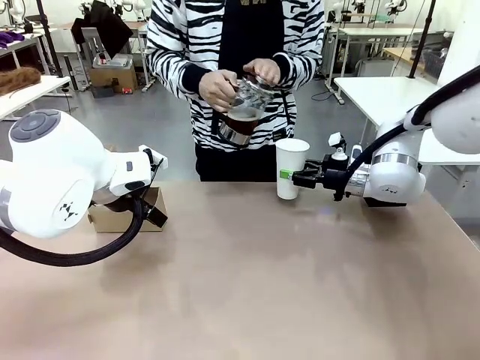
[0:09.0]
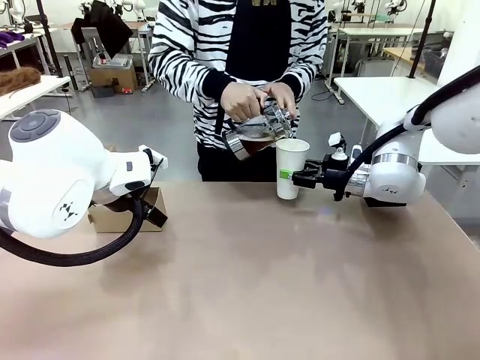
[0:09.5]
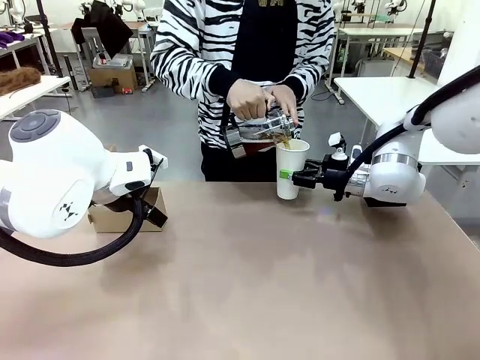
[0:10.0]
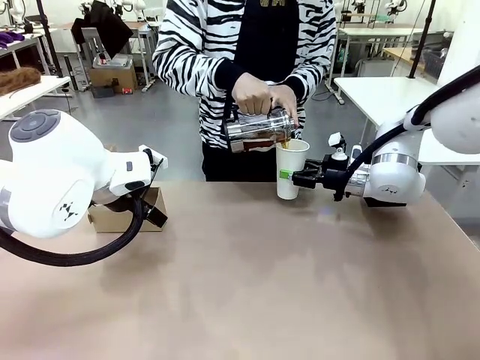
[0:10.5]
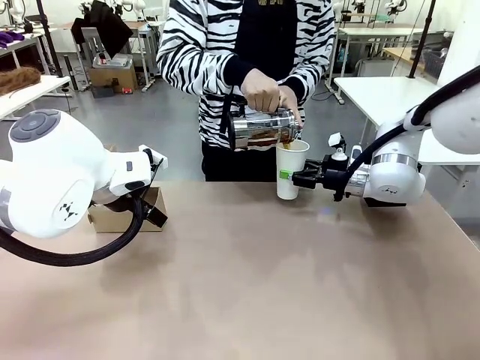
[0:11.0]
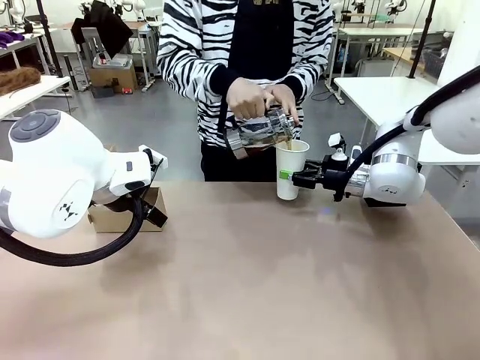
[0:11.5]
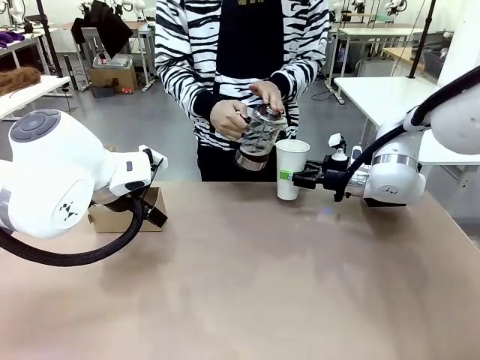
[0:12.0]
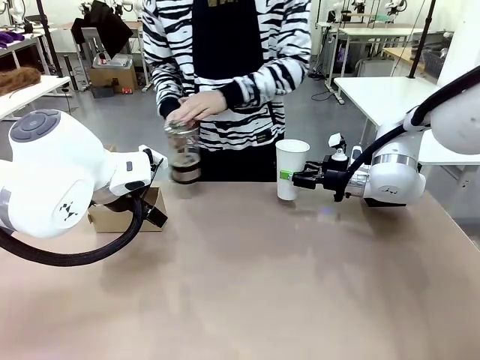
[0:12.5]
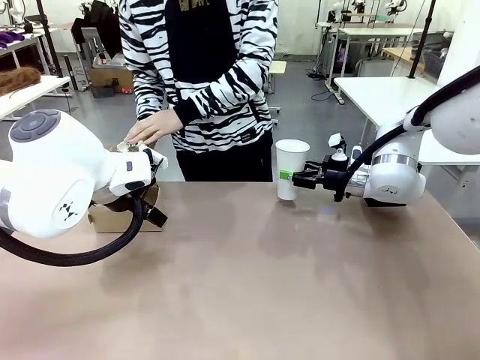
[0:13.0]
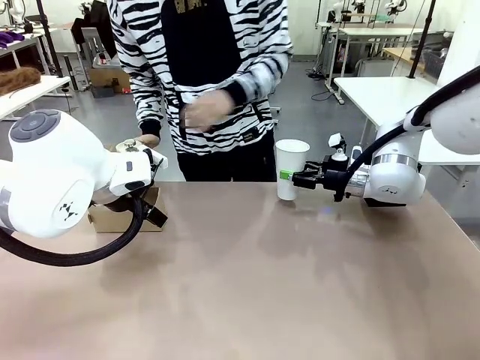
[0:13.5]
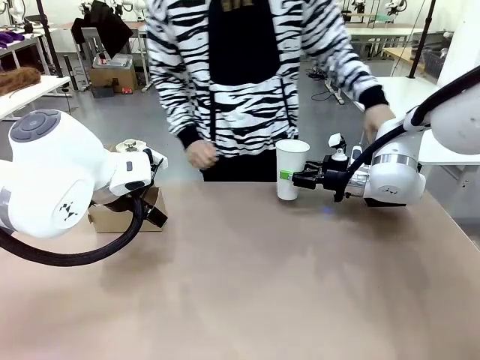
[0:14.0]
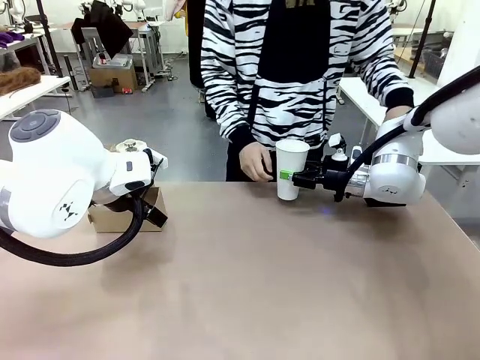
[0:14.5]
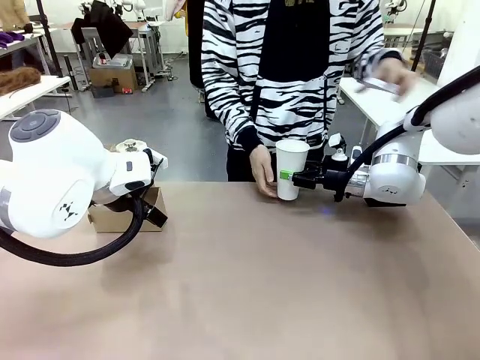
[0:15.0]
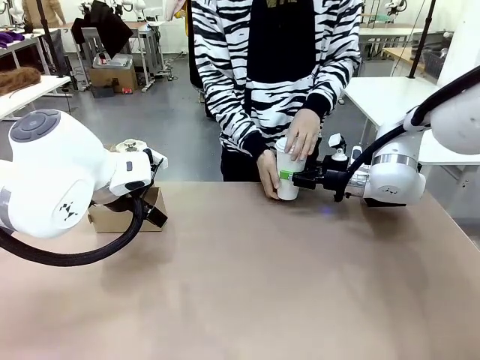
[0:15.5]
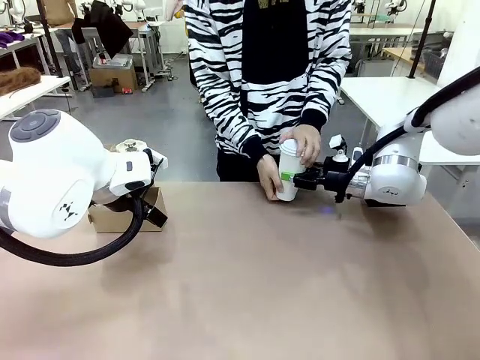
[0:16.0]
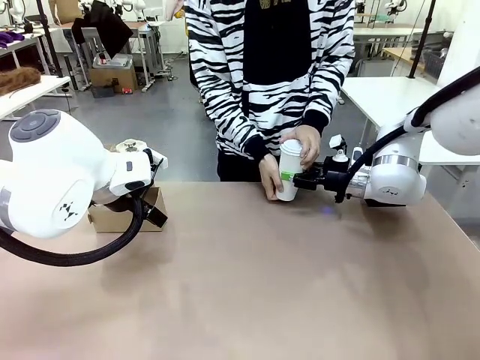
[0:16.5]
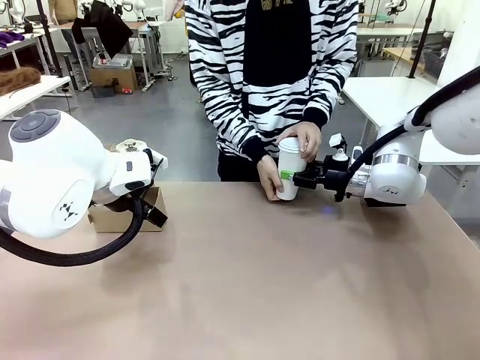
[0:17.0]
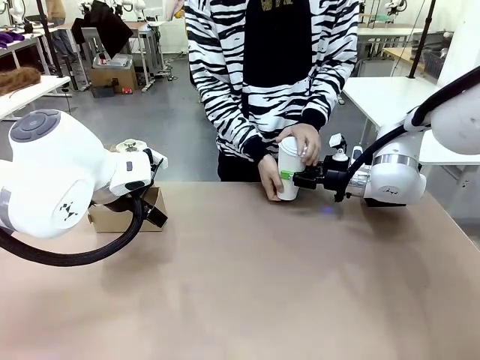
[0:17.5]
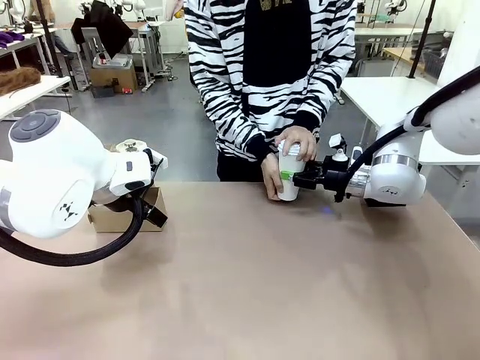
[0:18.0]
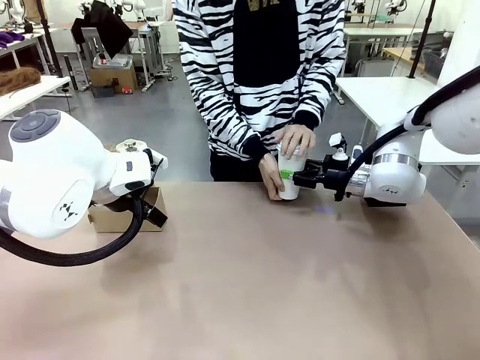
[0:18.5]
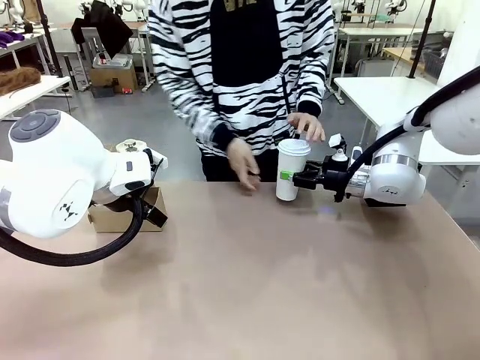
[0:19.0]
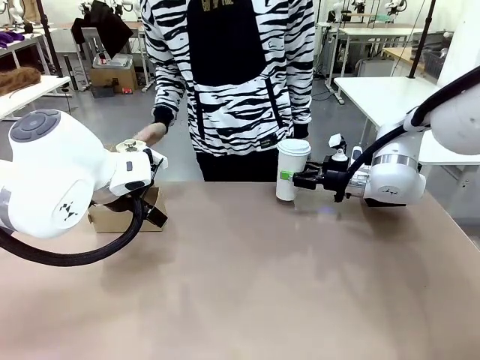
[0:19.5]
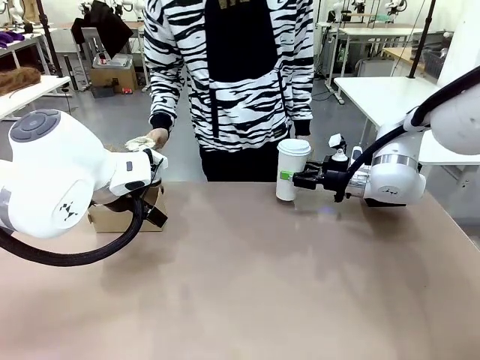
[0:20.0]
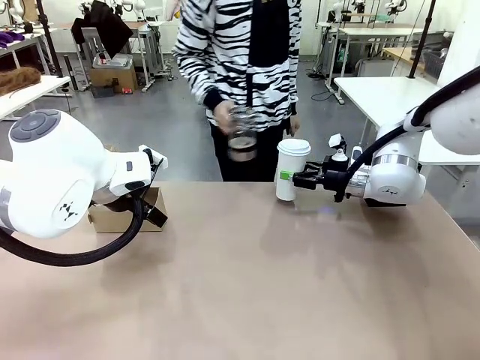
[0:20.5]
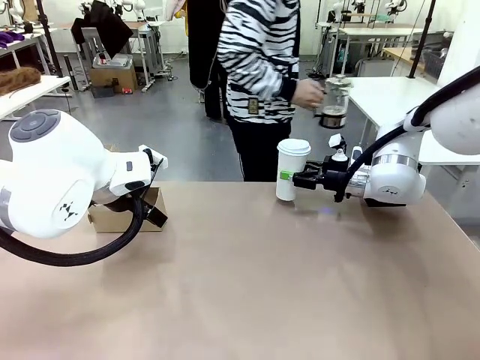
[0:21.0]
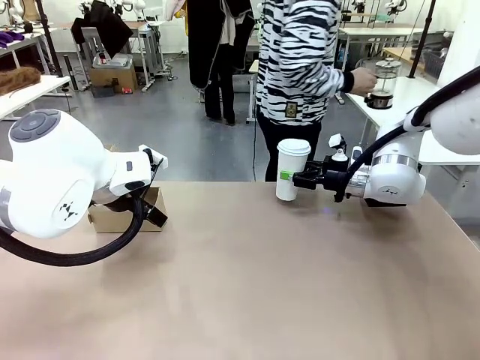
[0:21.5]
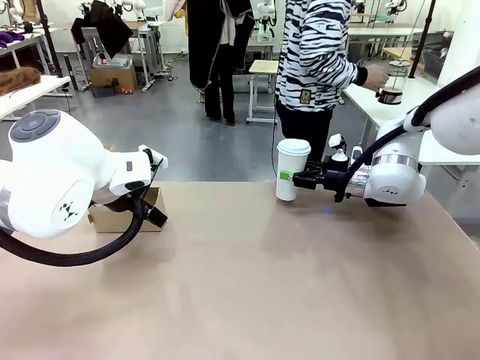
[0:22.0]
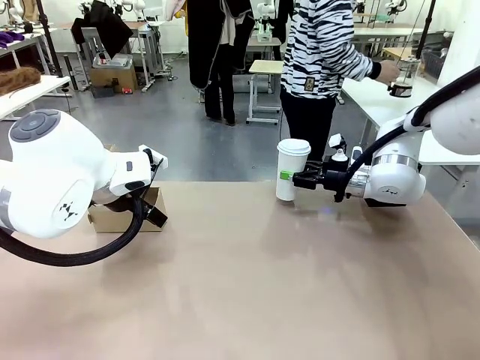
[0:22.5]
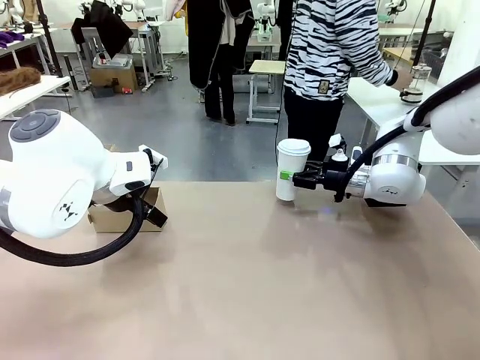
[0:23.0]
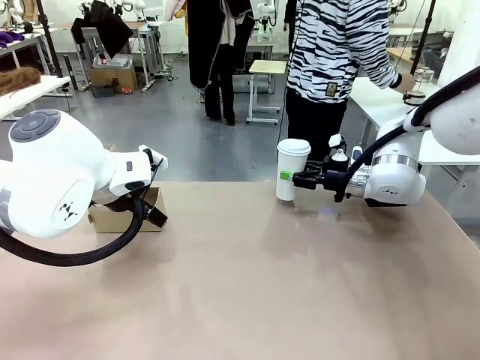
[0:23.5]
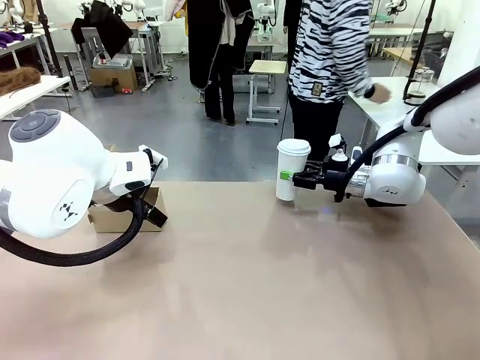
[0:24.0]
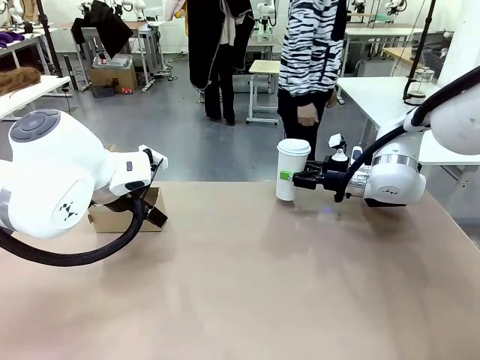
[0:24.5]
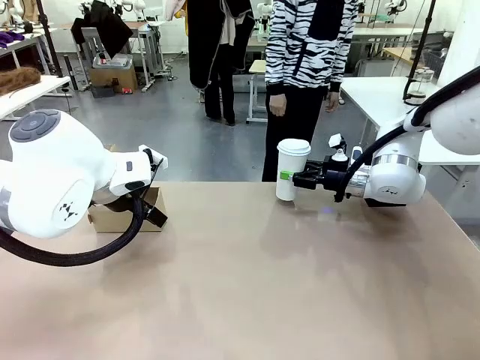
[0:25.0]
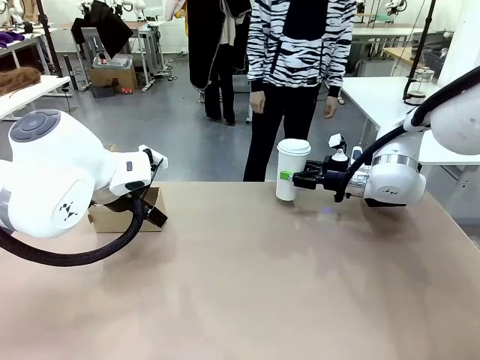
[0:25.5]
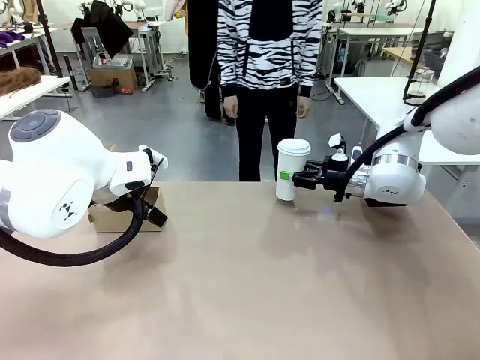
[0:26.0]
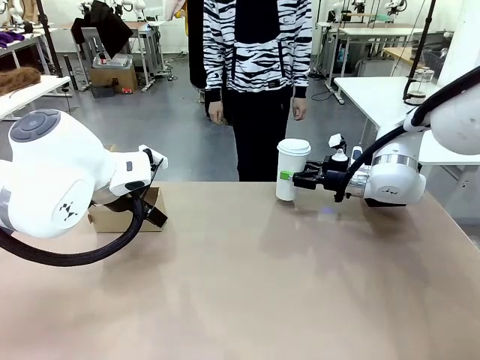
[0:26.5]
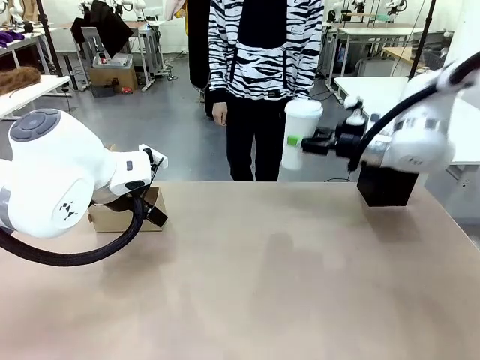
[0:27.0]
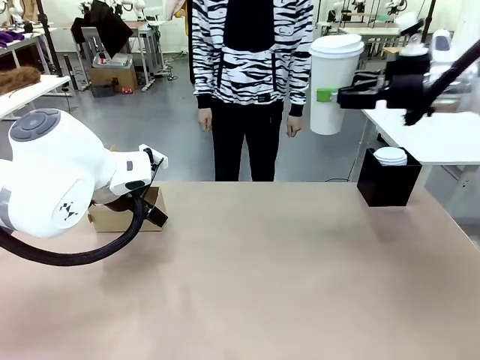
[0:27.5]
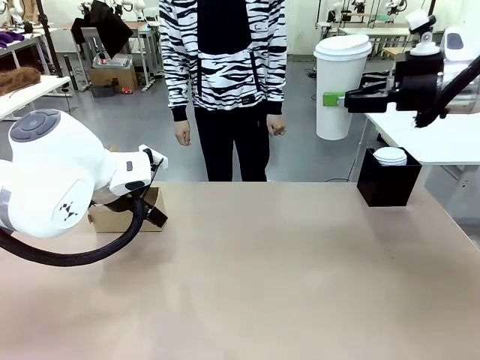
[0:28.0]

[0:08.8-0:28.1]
Task: Pour a drink into a cup and package it in a carrier.
Robot: When a person places the Paper Cup Lid on the 600 ml Paper Cup , lift the 600 ml Paper Cup.
Person: Pour the drink from the Filter Brewing into the 600 ml Paper Cup. Place a Paper Cup Lid on the 600 ml Paper Cup. Pick up the Filter Brewing and place on the middle of Human table, and return to the Robot table.

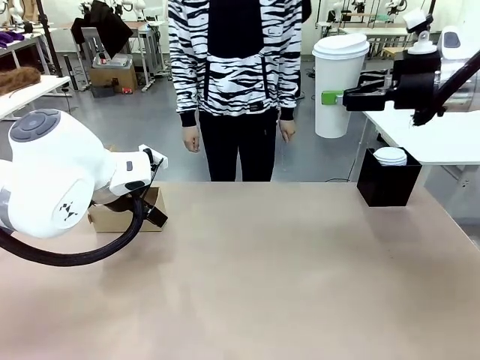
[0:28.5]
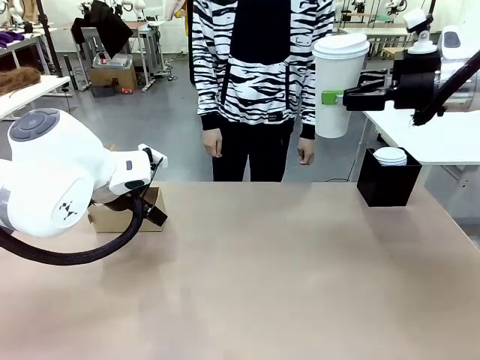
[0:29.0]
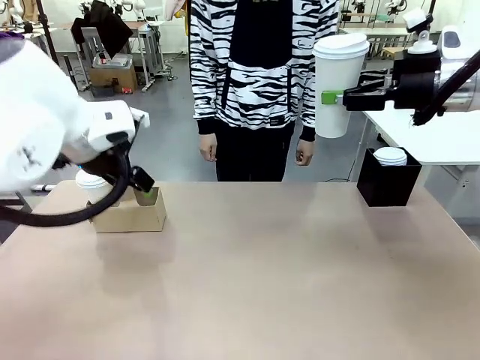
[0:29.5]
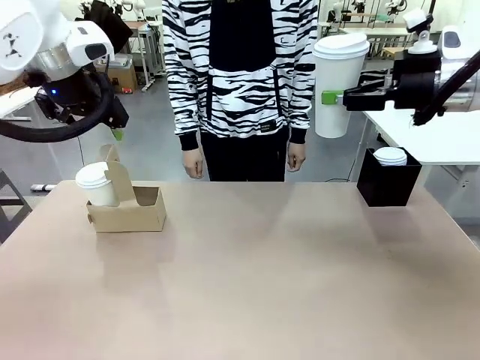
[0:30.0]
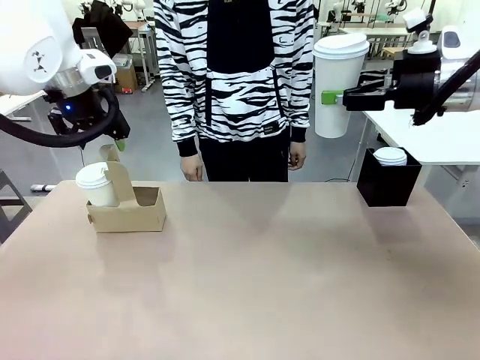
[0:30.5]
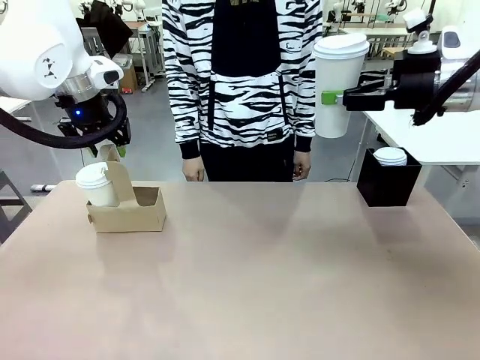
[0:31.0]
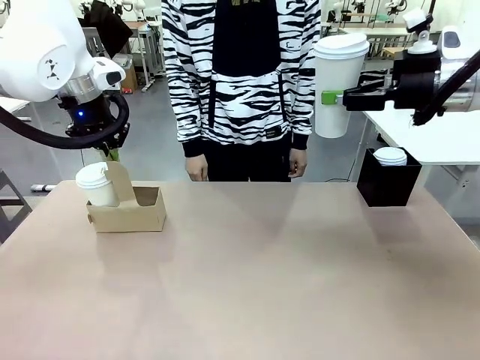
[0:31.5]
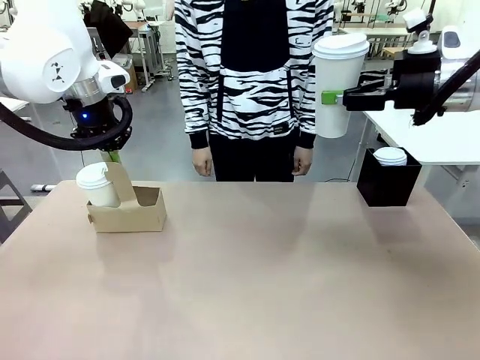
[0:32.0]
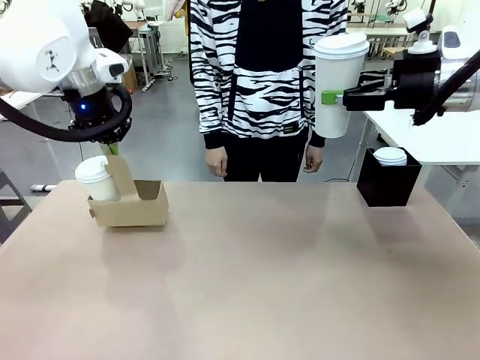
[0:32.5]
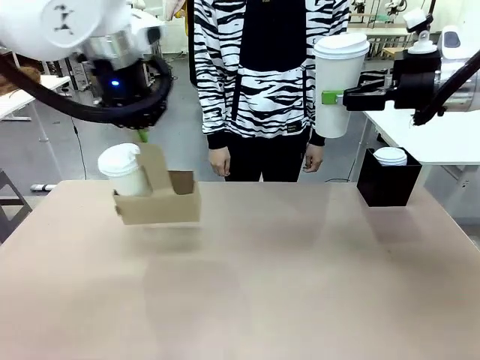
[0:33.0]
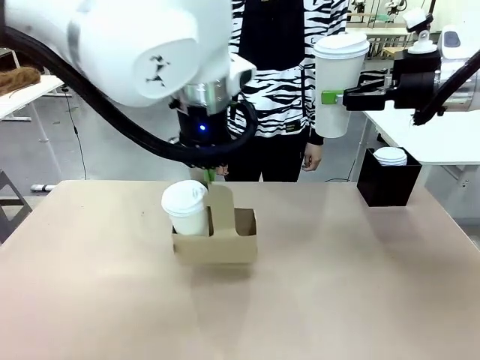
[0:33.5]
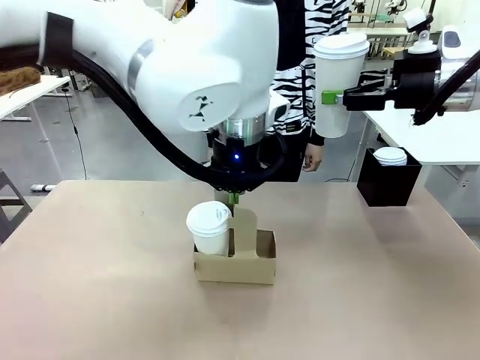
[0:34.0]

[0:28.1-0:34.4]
Robot: Position the Cup Carrier in the center of the table.
